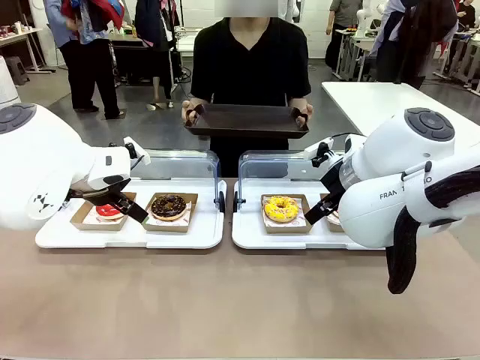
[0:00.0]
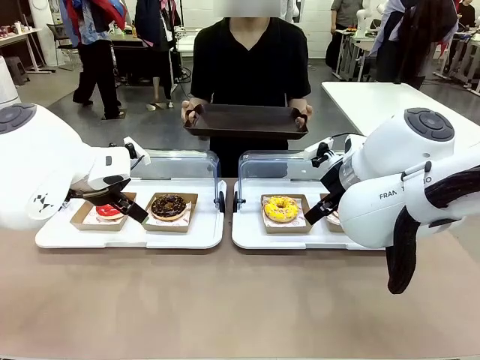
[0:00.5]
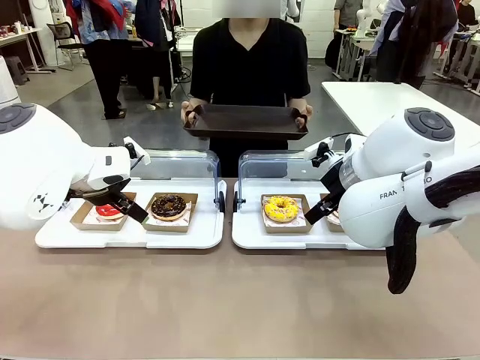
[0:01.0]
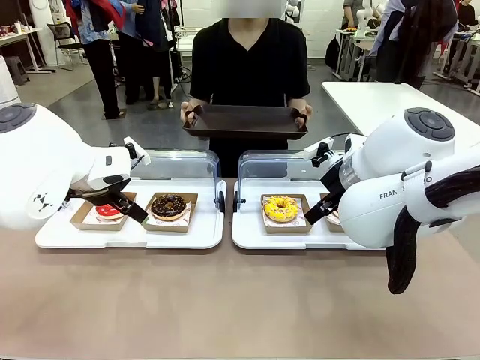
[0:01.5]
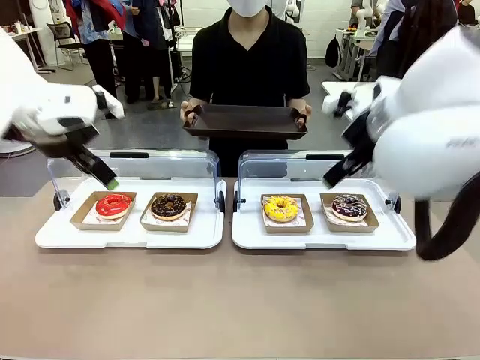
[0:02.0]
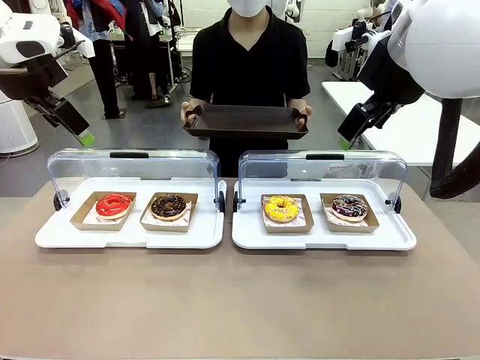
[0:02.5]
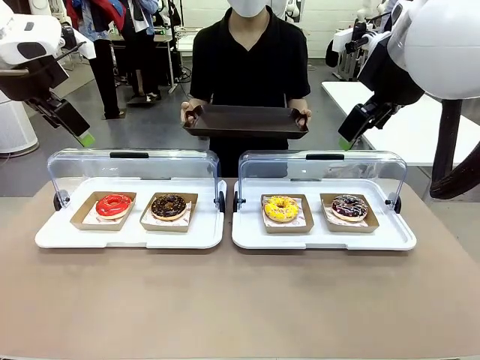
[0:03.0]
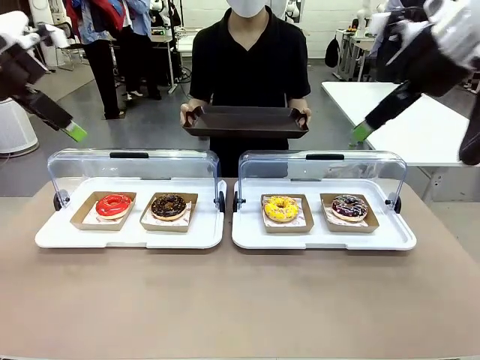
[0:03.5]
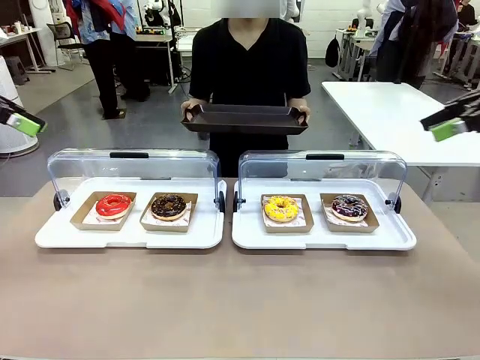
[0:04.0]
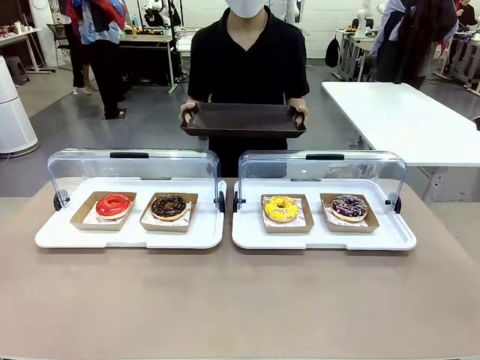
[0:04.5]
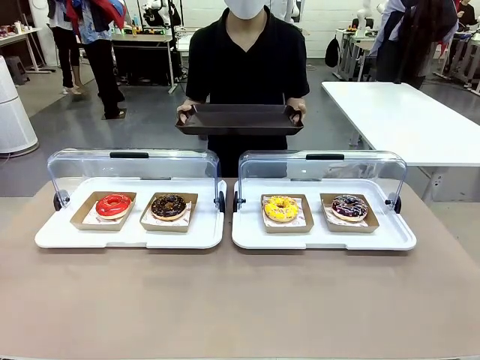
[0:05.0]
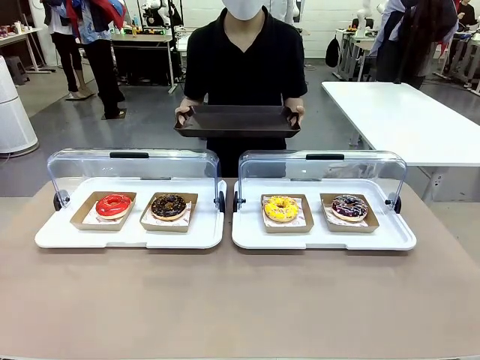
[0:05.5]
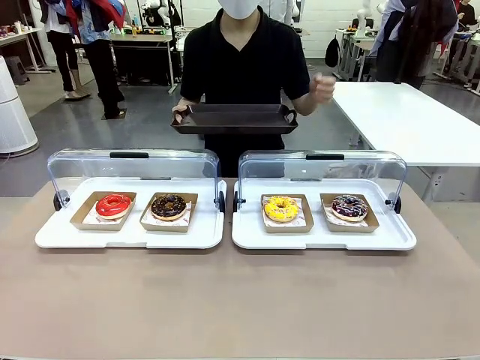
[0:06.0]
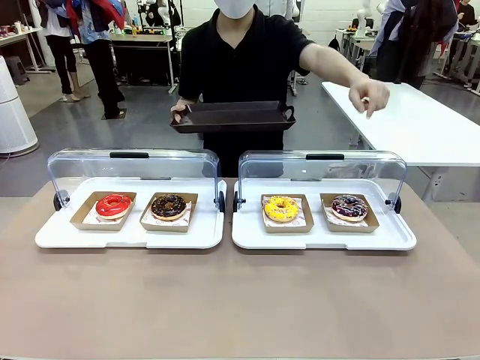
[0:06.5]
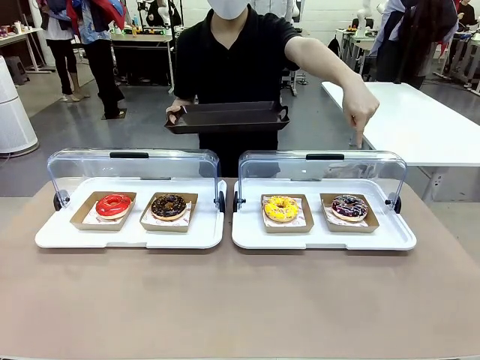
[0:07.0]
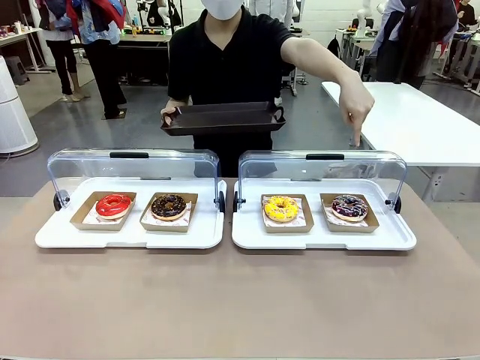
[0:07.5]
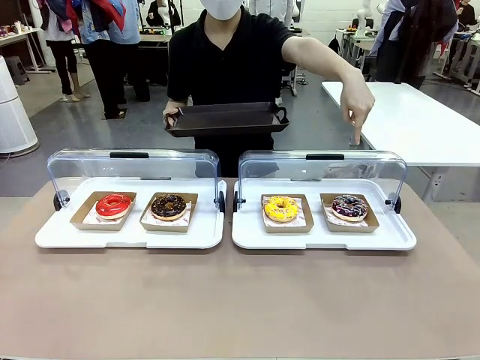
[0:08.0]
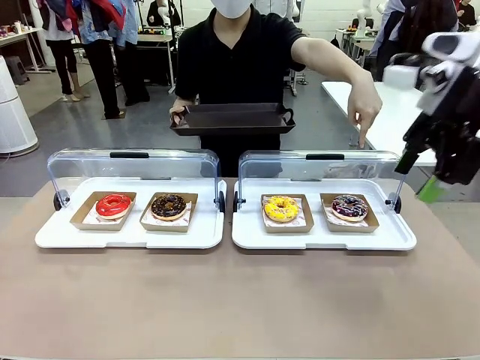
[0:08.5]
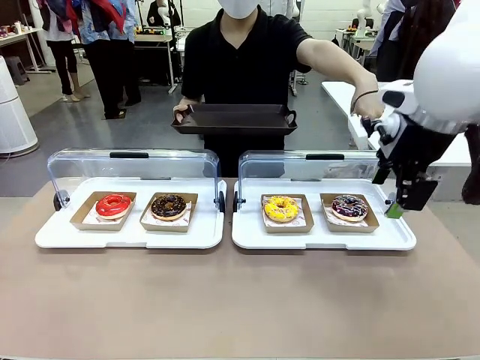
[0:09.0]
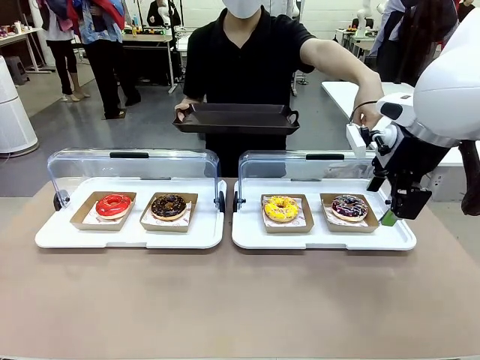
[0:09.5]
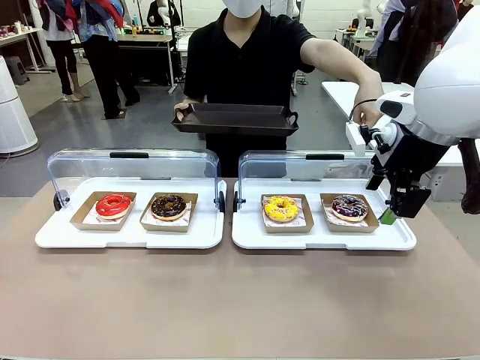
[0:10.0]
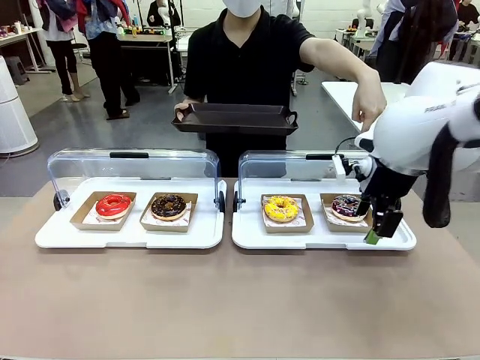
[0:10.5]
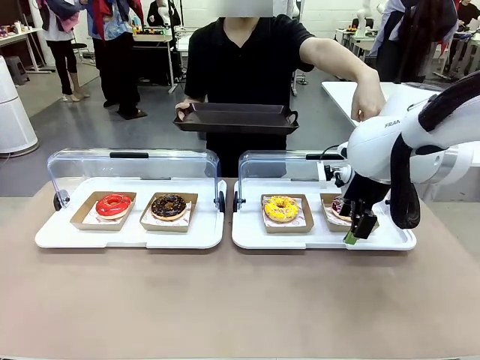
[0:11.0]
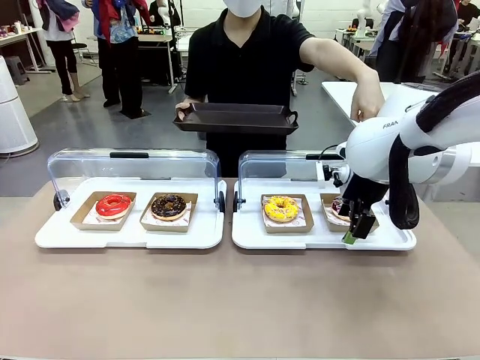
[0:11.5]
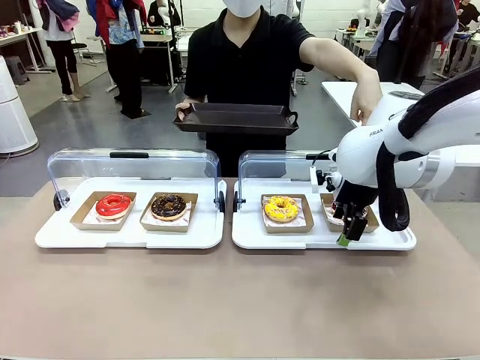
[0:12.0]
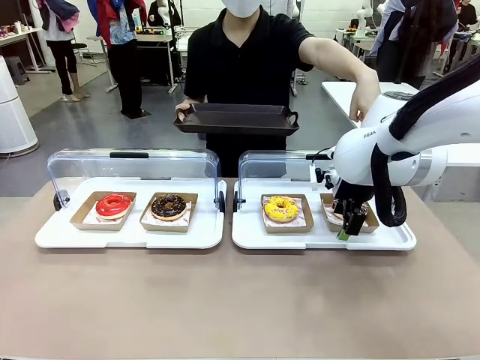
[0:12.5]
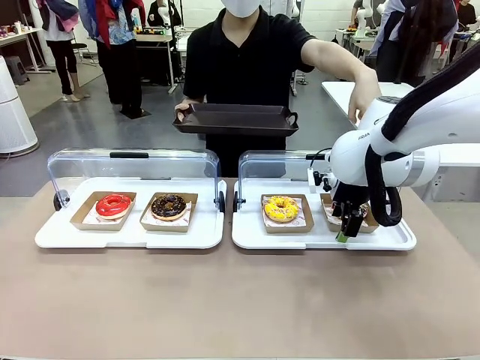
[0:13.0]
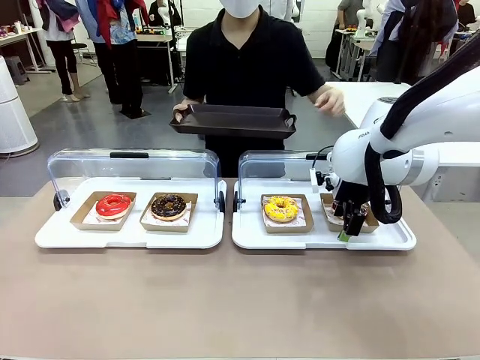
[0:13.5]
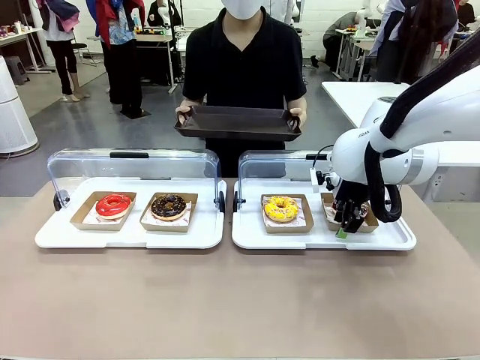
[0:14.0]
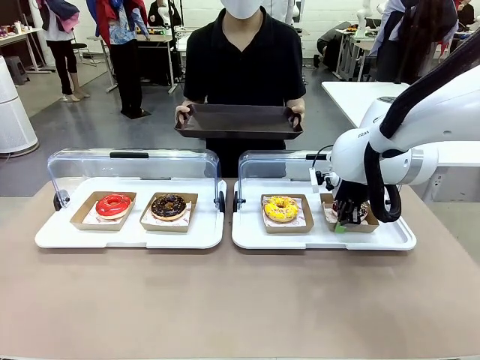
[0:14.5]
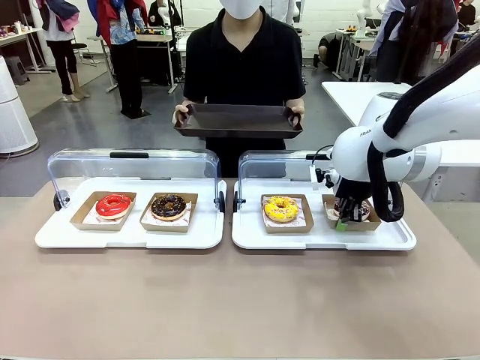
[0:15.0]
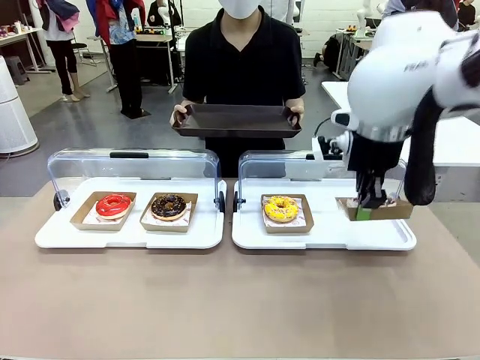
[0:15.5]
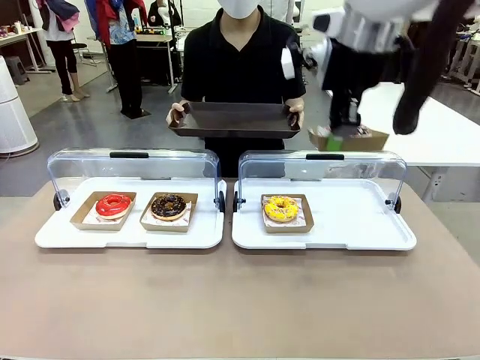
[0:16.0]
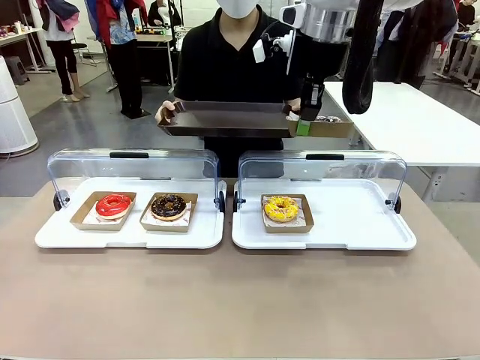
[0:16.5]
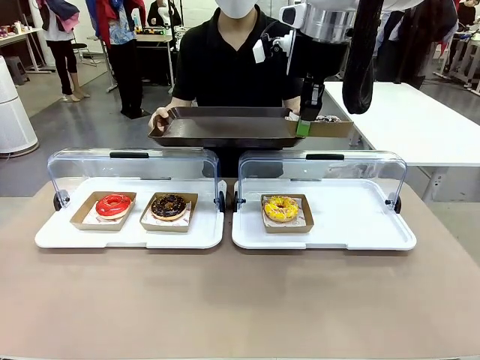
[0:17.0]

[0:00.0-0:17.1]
Task: Provide the desired donut to the person.
Robot: Pick up and lift the Paper togo box containing the Donut pointed at by the person.
Person: Point to one donut. Lift the tray onto the Roll-Top Bakery Case.

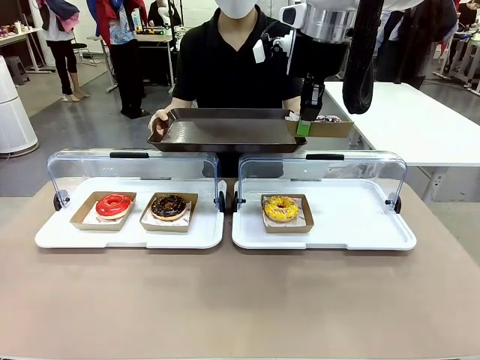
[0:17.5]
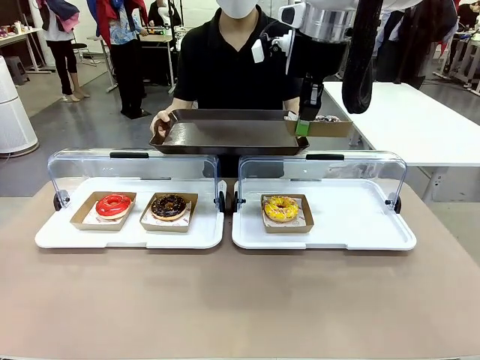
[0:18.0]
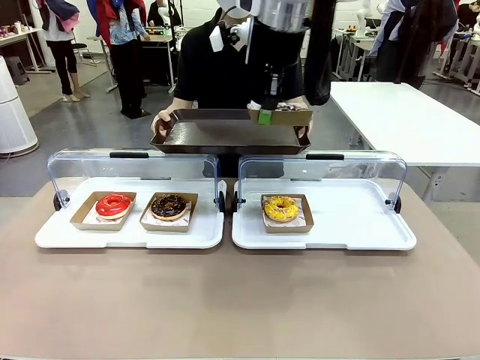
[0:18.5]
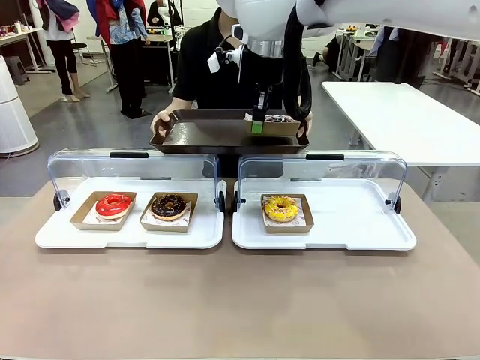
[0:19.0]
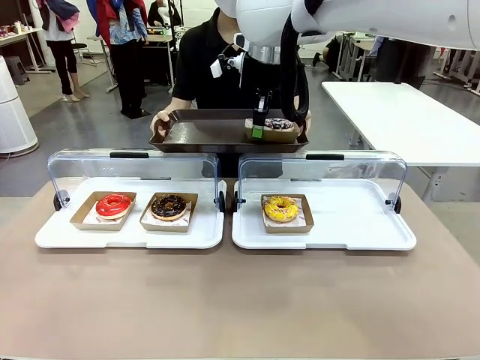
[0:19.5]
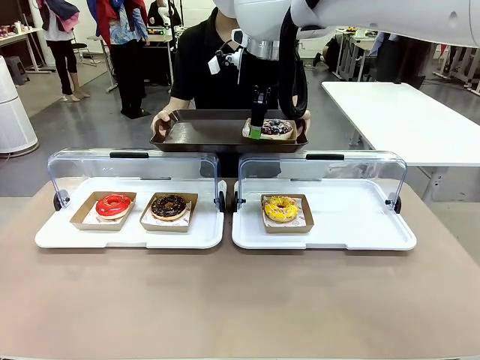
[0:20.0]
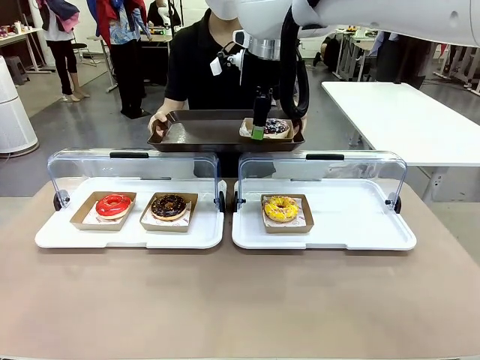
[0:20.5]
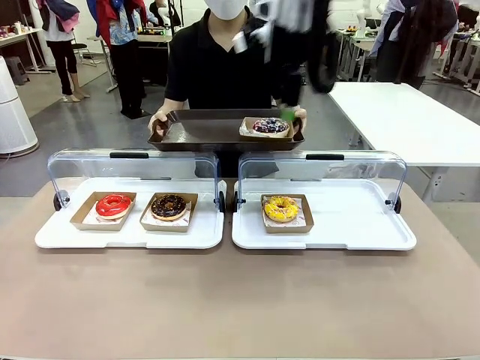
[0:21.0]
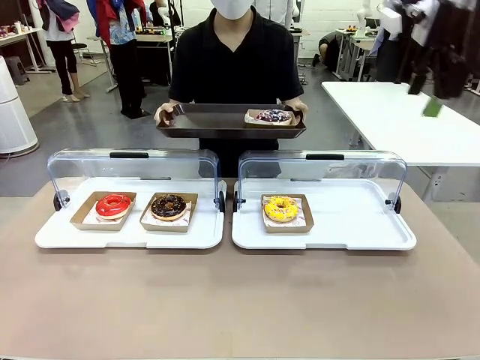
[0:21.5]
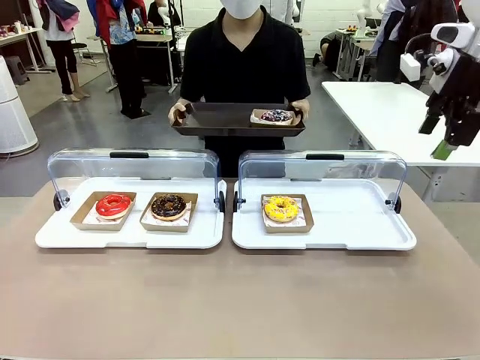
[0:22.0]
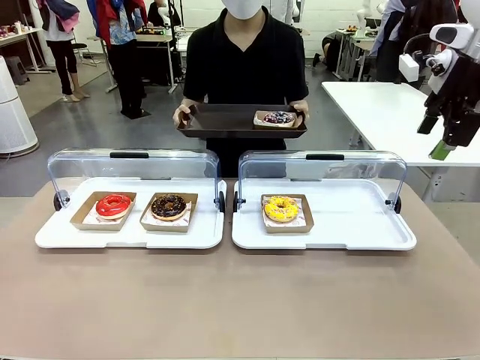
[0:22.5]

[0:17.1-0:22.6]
Robot: Place the picked Paper togo box onto the Handle tray extended by the person.

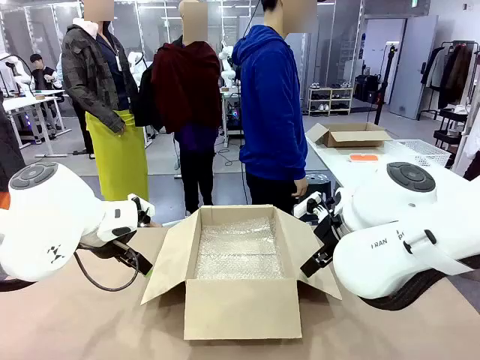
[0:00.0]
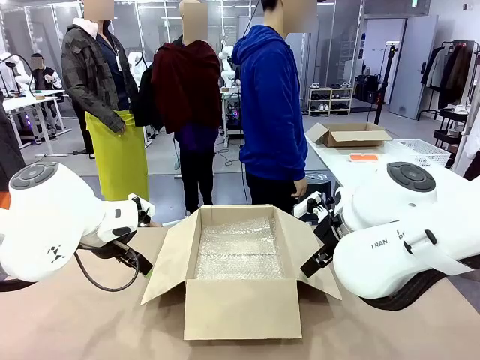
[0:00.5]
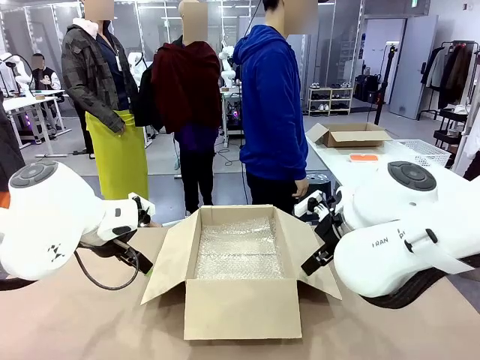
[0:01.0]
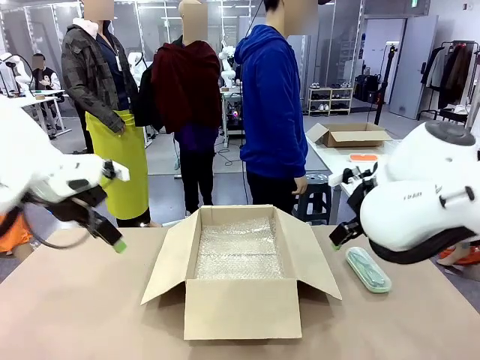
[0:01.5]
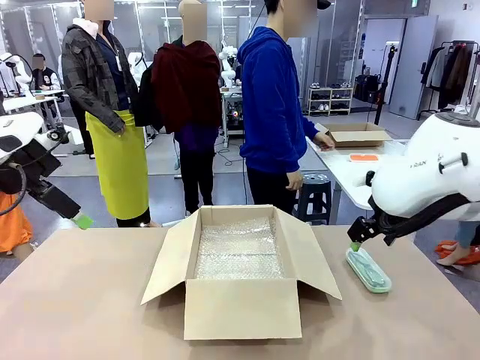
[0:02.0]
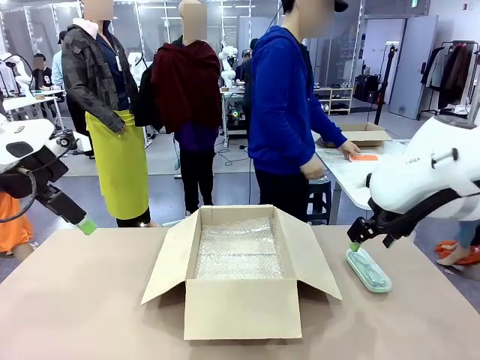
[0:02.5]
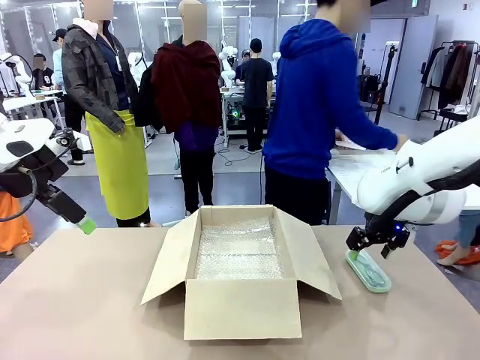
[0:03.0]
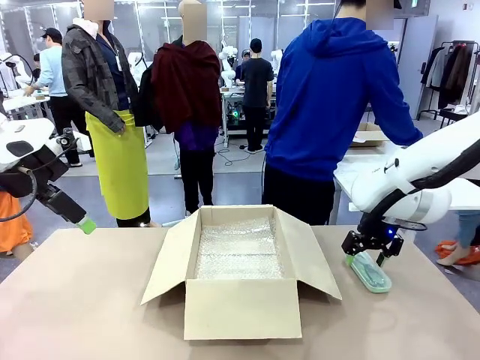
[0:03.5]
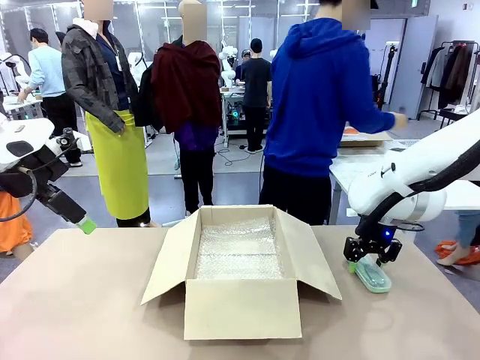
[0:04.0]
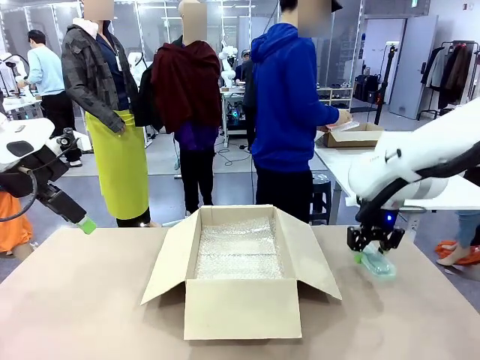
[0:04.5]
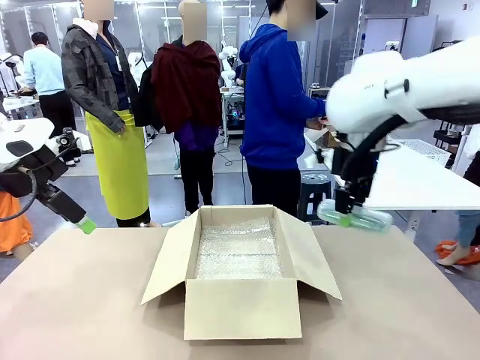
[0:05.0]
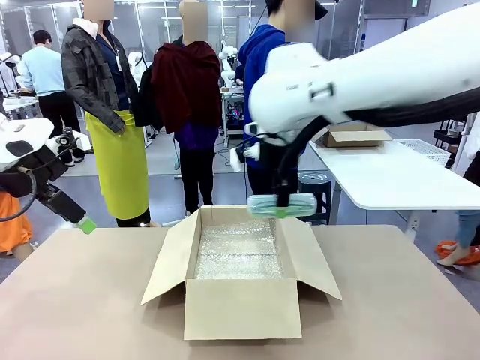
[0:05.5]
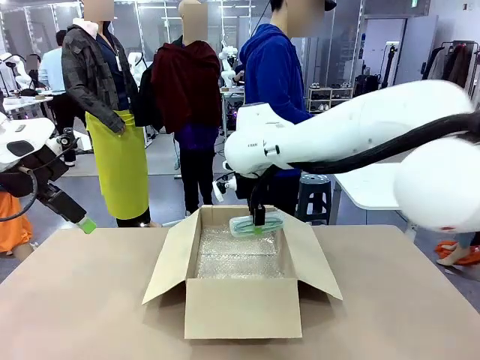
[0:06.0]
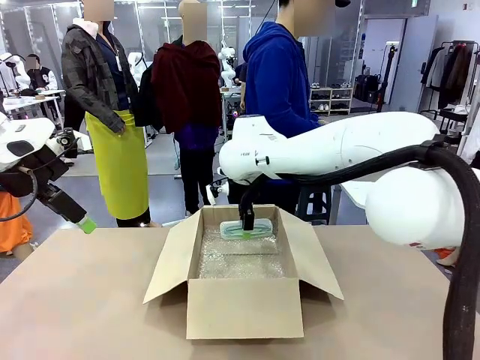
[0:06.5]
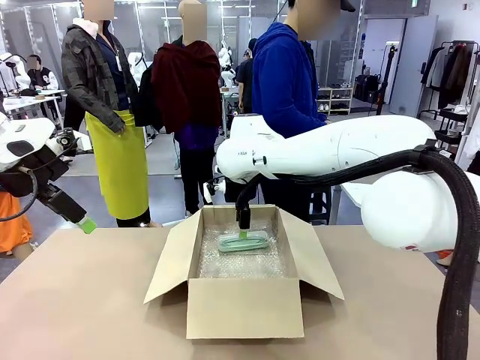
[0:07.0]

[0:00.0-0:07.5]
Task: Pack the glasses set securely to prepare it for shipping.
Robot: Place the Glasses case inside the Package Box.
Person: Place the Glasses inside the Glasses case.
